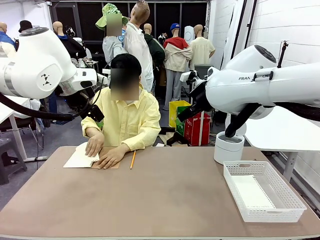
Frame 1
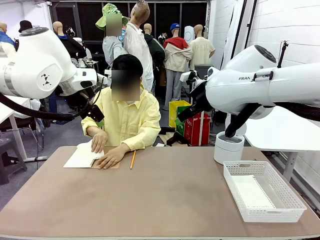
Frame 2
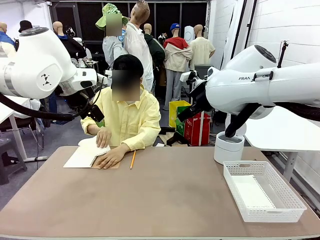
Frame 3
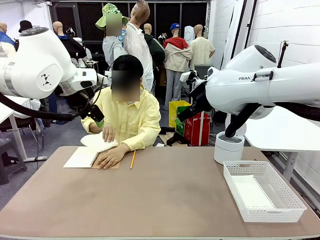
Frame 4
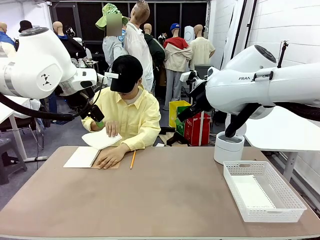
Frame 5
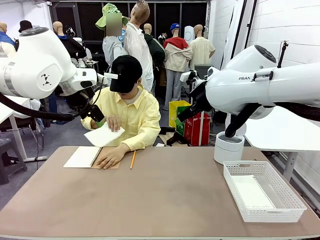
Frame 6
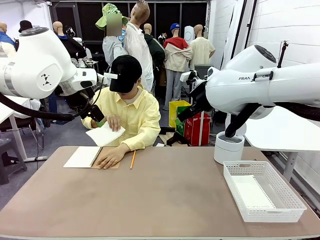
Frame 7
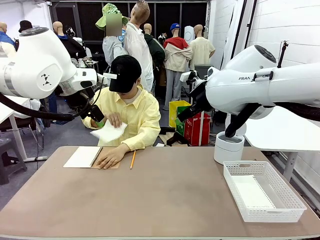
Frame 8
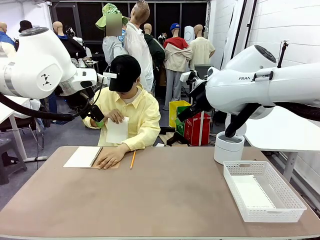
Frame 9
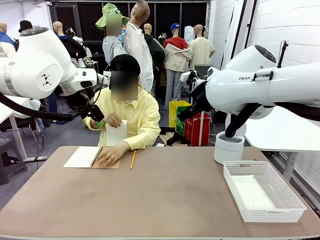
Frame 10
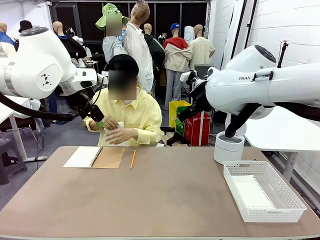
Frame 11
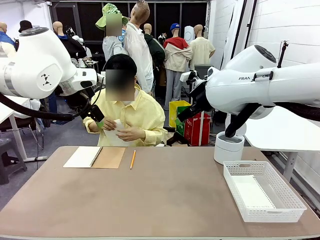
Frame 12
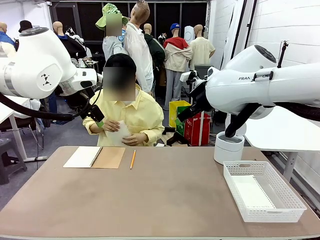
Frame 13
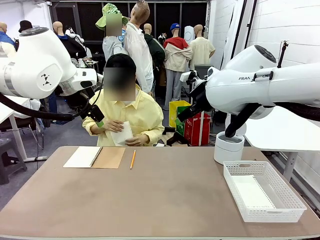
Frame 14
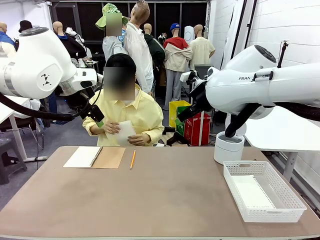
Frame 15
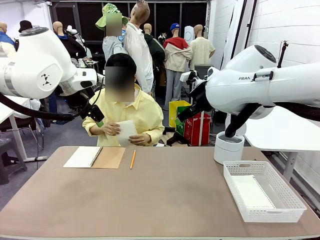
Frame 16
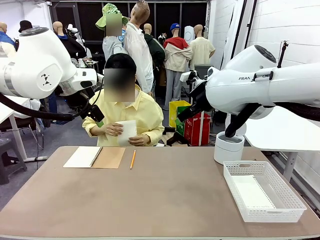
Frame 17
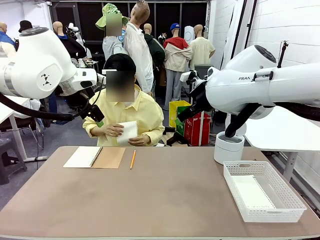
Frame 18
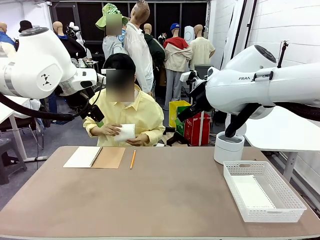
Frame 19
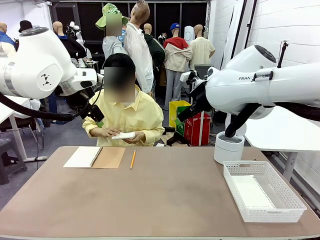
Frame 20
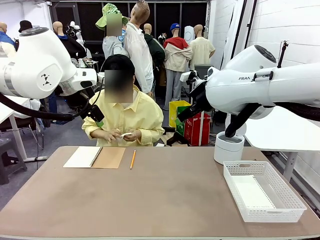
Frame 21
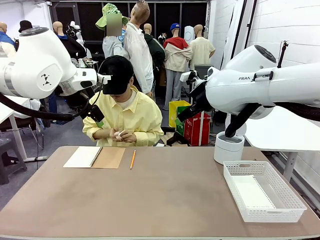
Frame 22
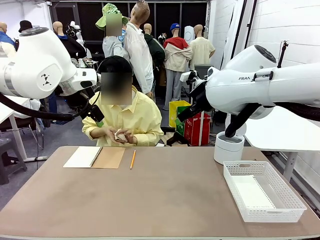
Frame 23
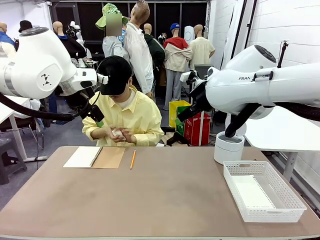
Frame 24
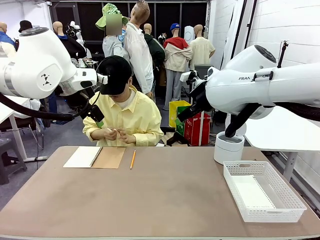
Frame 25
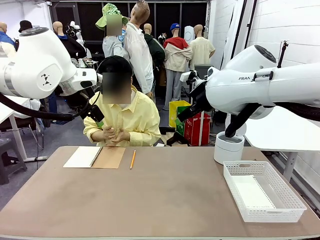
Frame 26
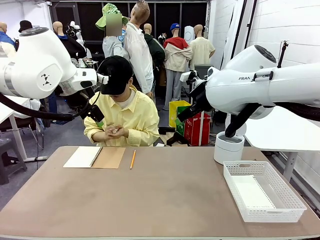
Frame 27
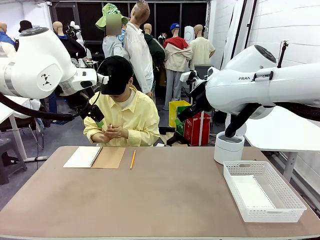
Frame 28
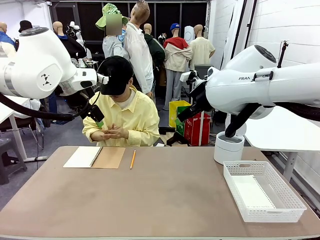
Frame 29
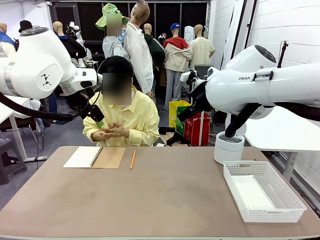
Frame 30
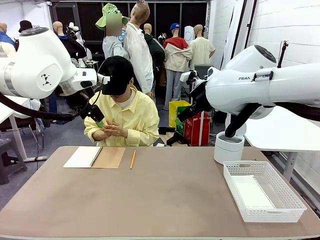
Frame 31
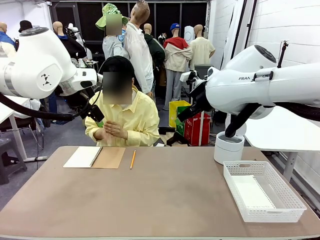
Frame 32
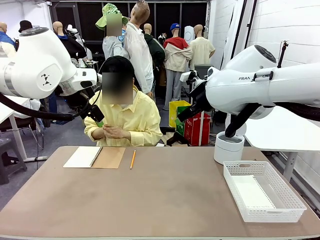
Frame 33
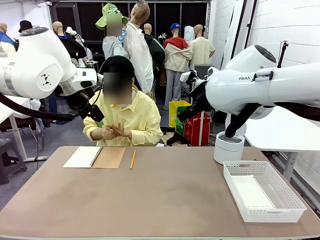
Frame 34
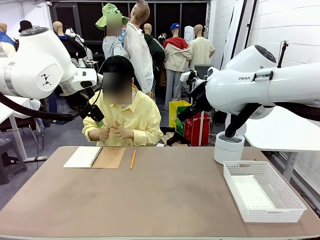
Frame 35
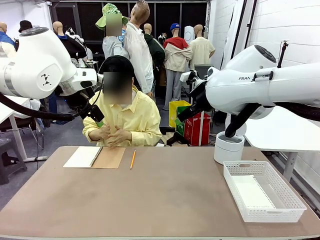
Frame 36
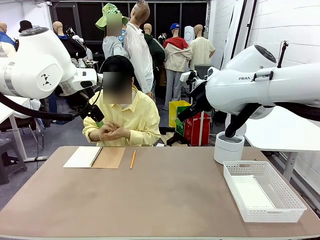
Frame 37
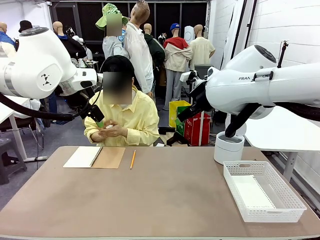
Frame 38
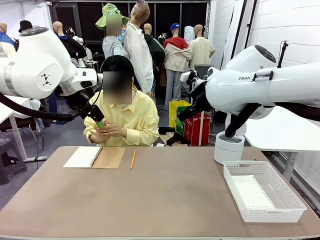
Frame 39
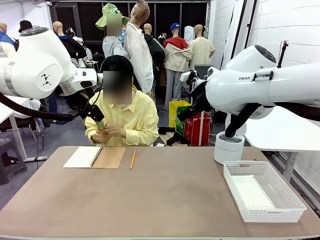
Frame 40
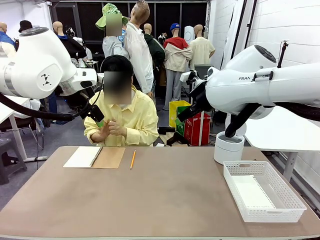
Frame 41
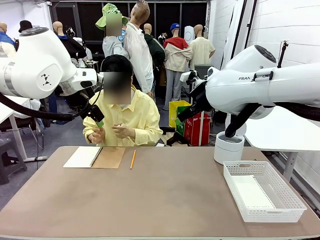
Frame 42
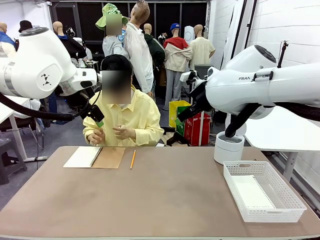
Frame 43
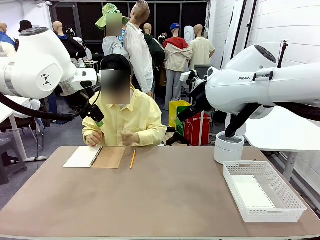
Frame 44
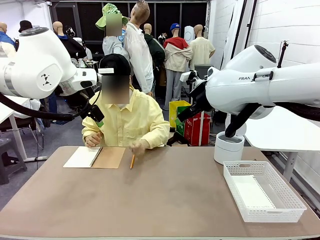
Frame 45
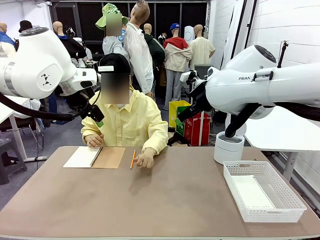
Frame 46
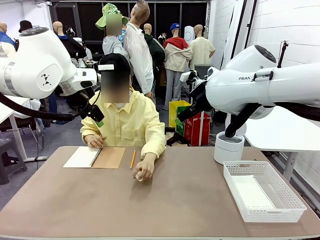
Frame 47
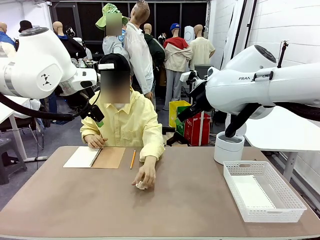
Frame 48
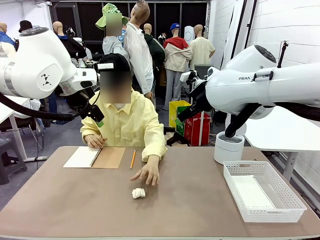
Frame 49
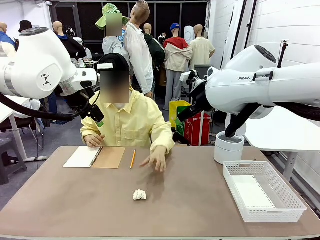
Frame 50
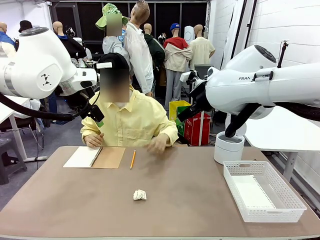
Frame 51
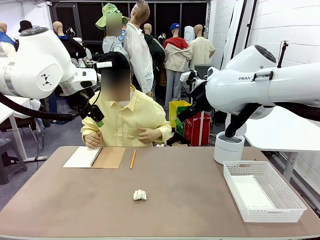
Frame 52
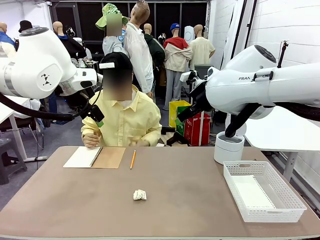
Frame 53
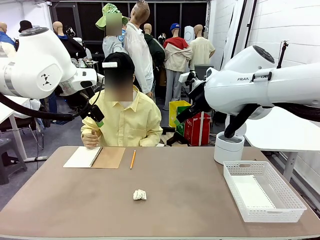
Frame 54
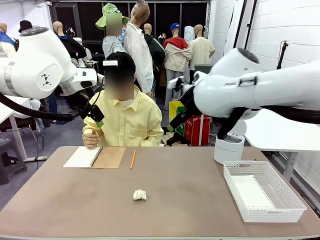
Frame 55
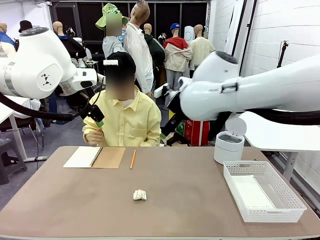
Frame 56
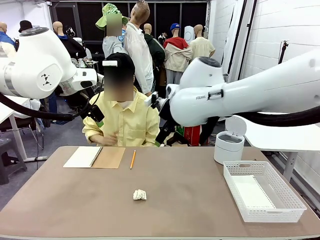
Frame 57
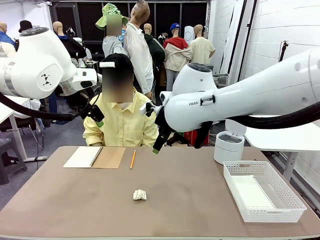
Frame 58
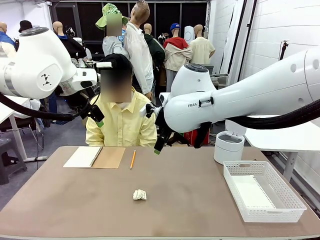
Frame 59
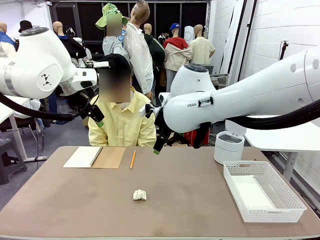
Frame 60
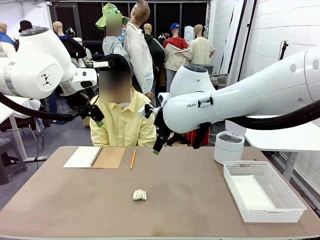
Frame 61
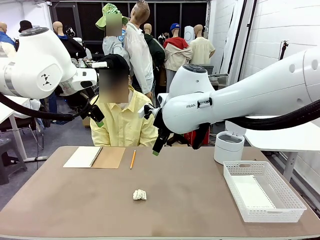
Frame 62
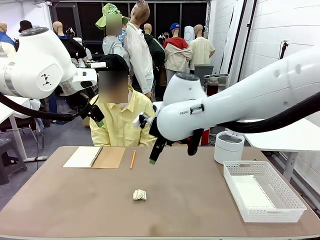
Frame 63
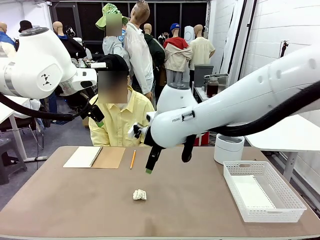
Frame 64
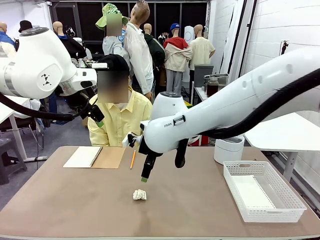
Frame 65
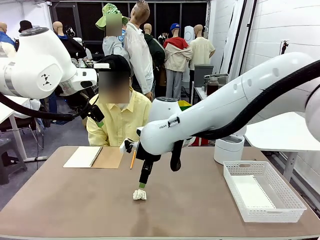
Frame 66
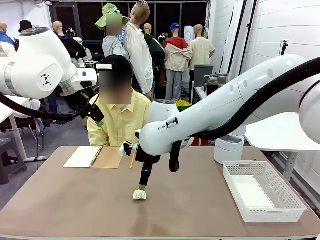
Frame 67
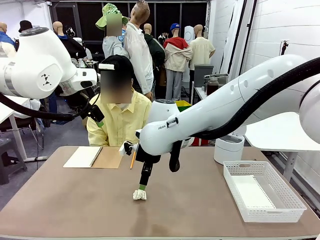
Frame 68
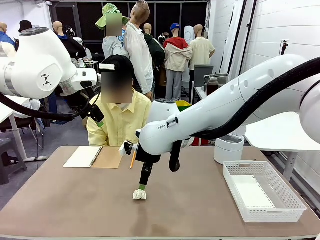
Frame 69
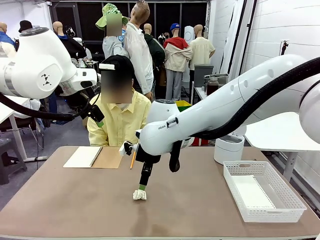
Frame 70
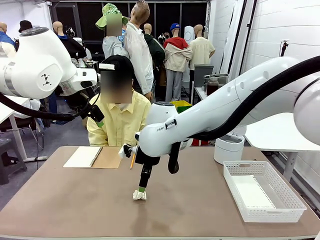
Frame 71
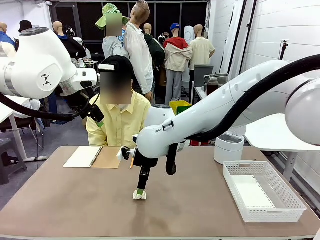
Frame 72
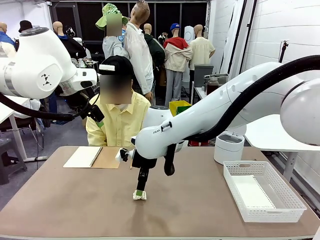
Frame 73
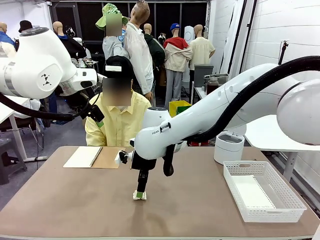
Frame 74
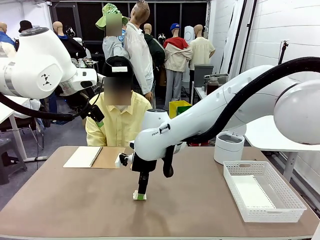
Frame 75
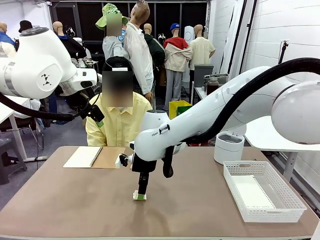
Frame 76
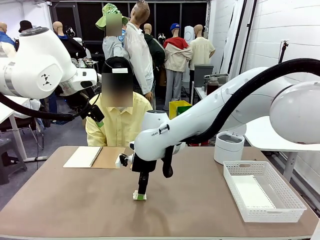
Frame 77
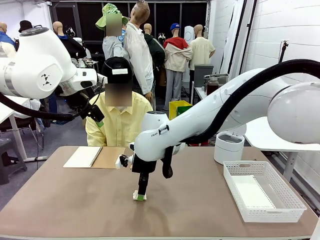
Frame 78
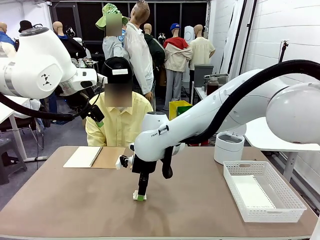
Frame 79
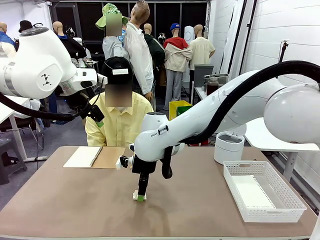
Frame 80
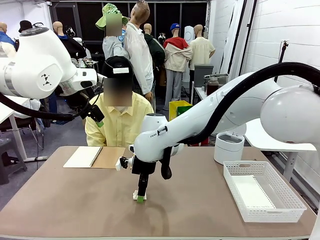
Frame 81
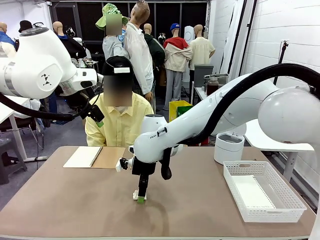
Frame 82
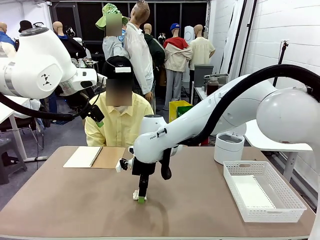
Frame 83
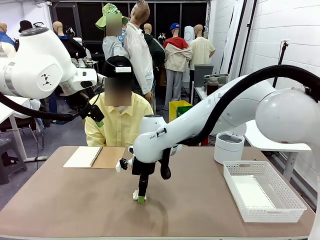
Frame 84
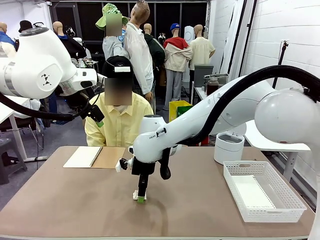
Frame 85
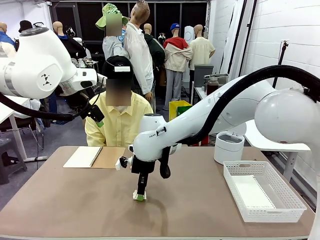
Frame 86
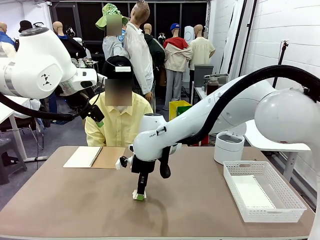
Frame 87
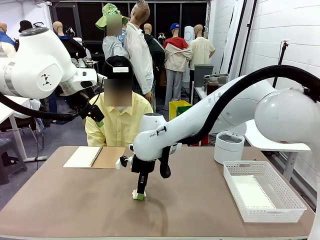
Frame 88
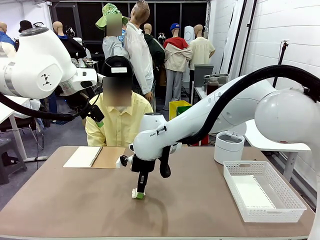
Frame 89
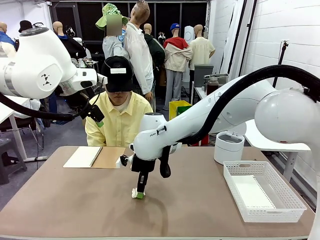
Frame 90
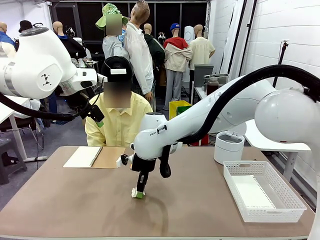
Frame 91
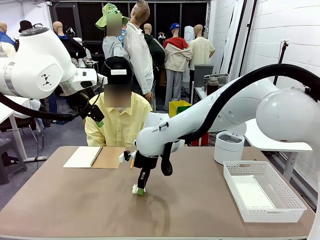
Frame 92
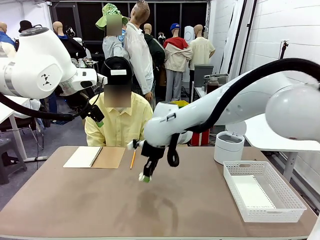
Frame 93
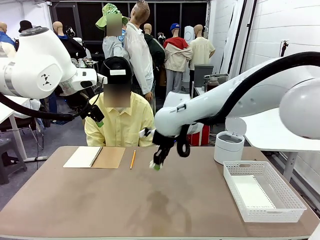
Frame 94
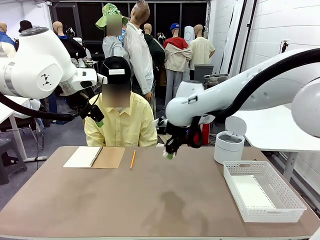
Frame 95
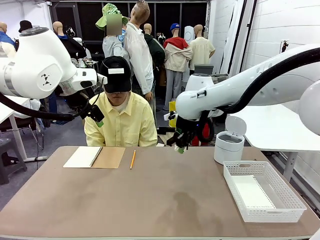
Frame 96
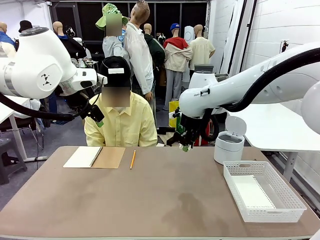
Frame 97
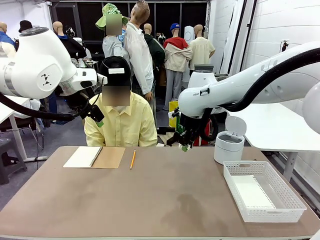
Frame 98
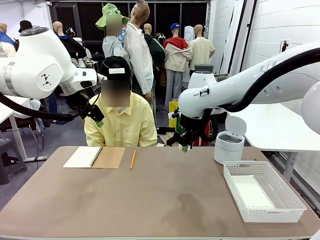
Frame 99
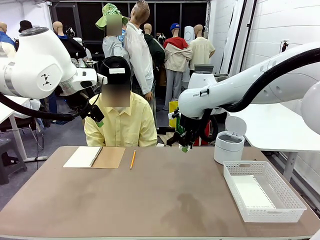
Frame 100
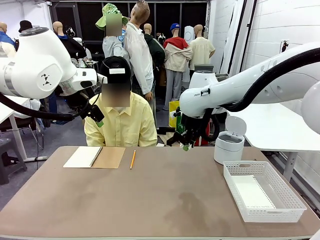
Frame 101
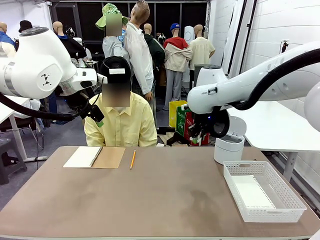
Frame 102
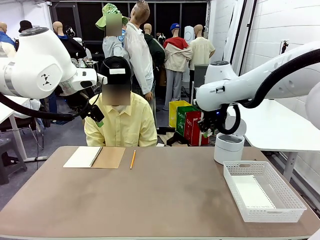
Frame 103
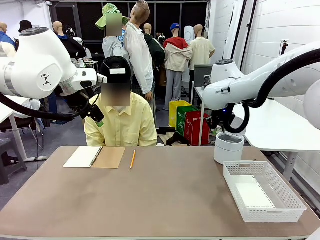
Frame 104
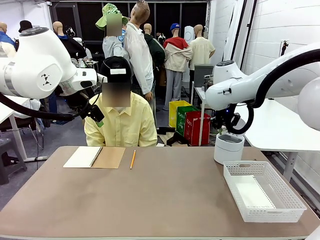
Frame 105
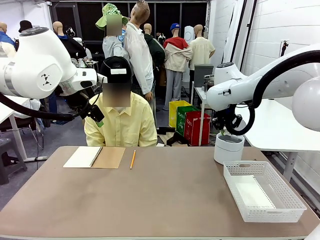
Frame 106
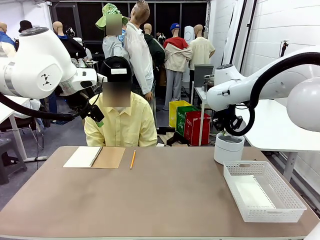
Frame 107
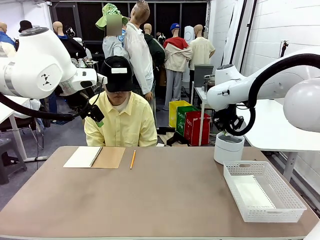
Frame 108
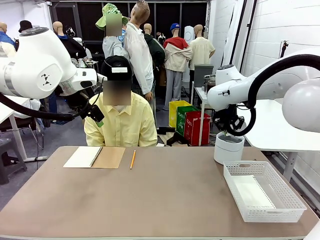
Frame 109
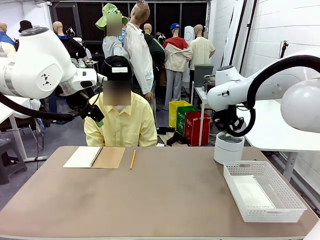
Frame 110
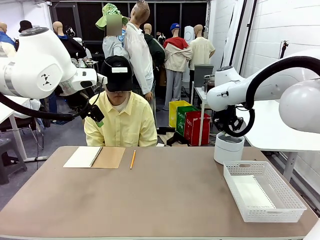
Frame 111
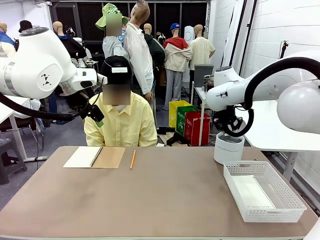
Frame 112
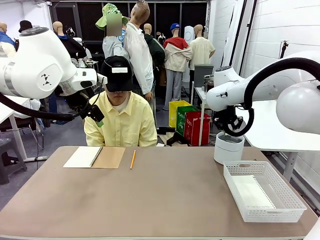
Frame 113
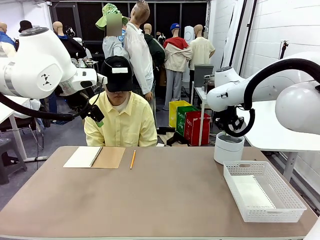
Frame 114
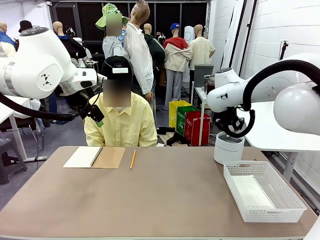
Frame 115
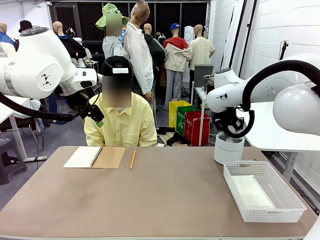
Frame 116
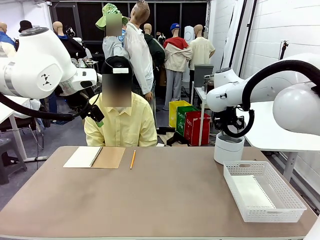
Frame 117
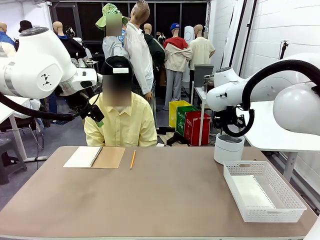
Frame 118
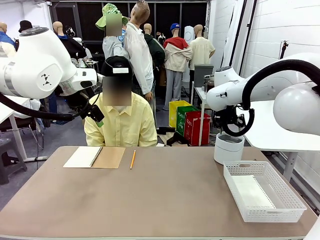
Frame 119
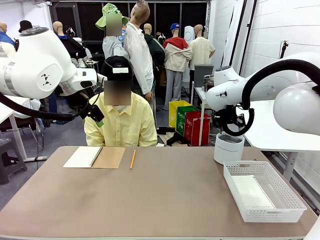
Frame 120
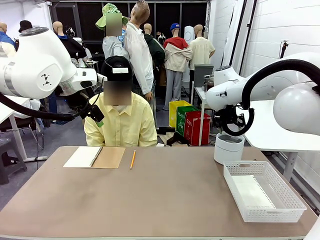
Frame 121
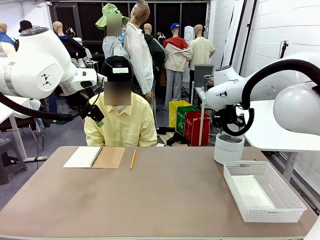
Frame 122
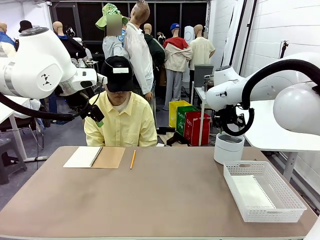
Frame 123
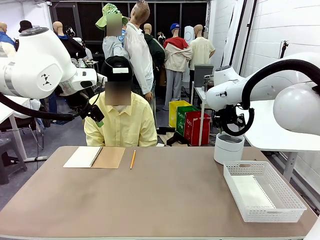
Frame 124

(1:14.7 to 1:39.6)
Task: Sort the paper based on its condition.
Robot: If a person hands you a paper, place it in the Organizing basket , and if it's crumpled, put it in the Trash can.
Person: Hand the torn page to the robot or crumple it and throw it to the center of the table.
